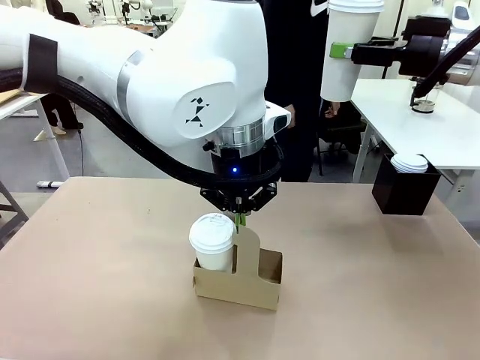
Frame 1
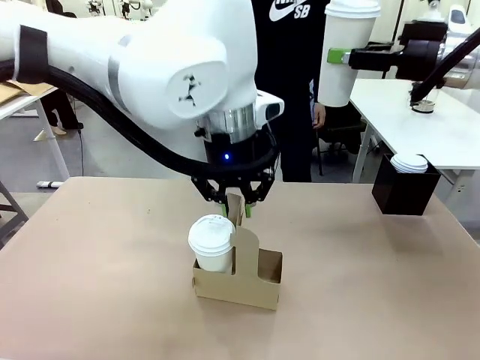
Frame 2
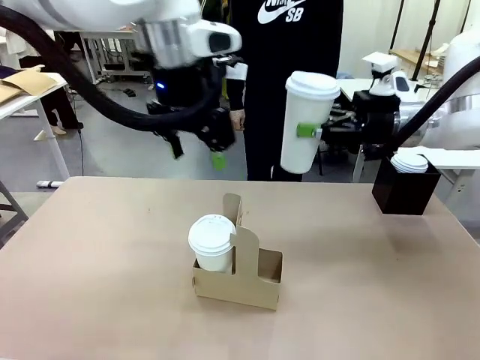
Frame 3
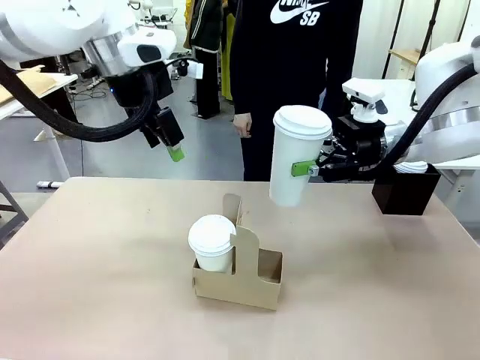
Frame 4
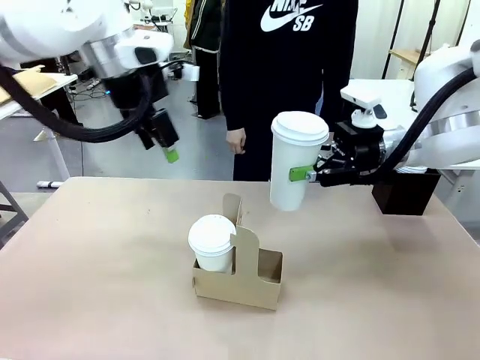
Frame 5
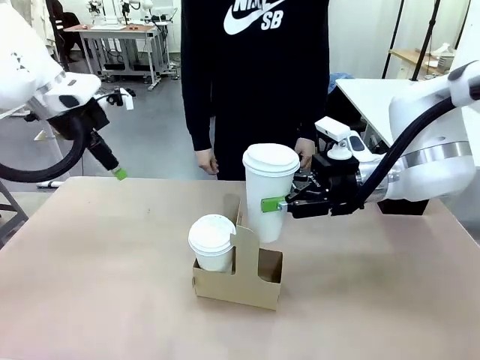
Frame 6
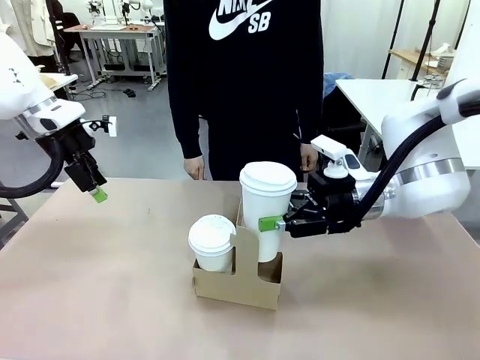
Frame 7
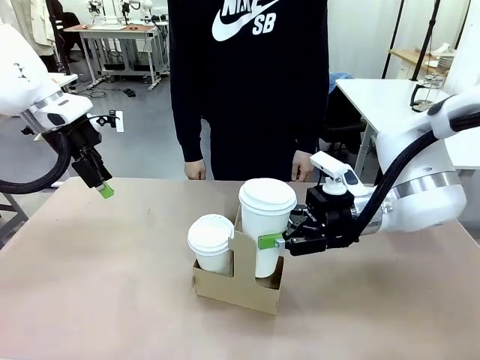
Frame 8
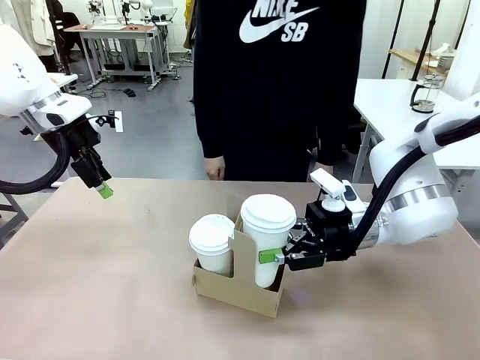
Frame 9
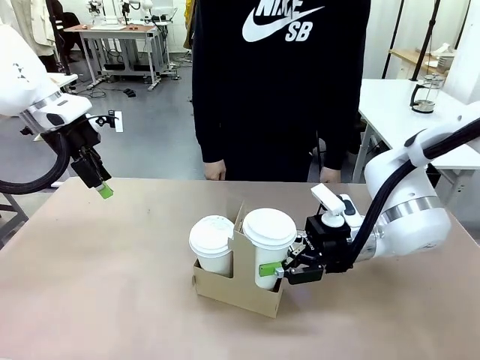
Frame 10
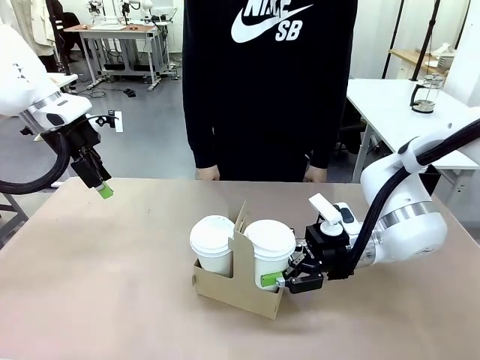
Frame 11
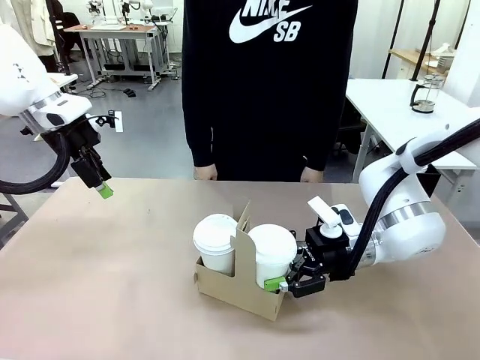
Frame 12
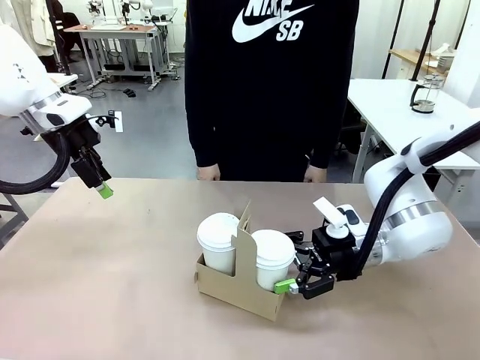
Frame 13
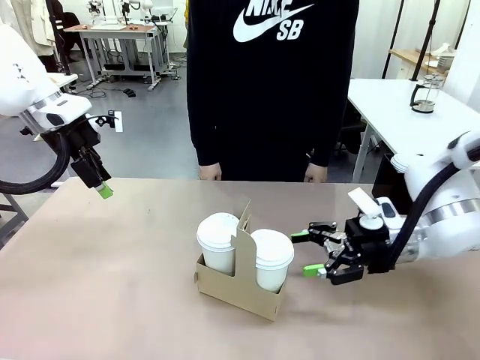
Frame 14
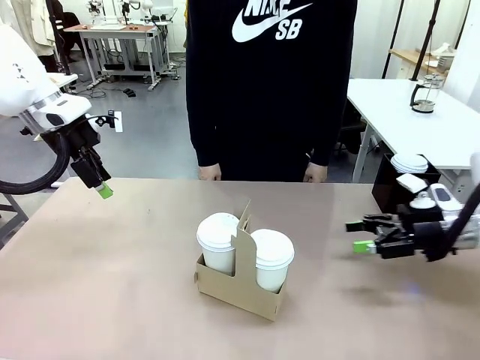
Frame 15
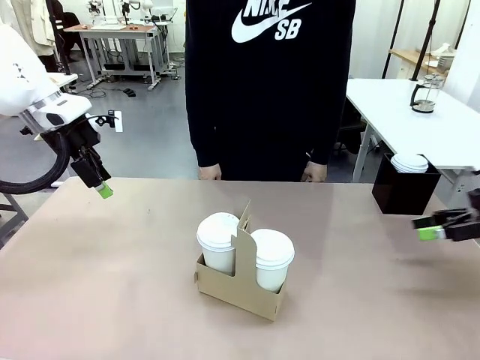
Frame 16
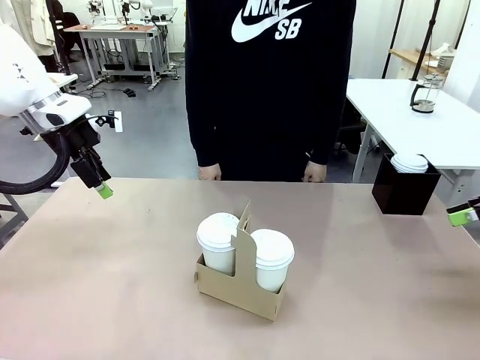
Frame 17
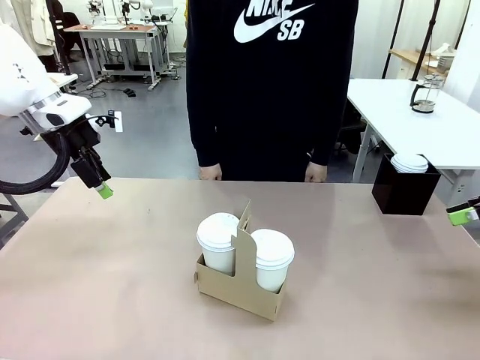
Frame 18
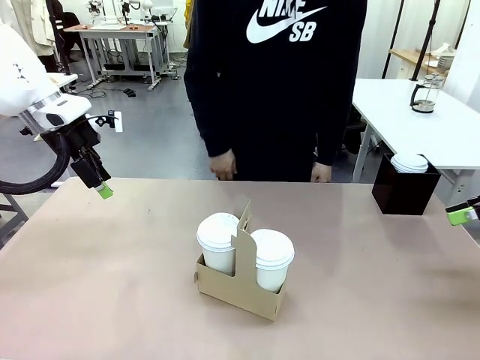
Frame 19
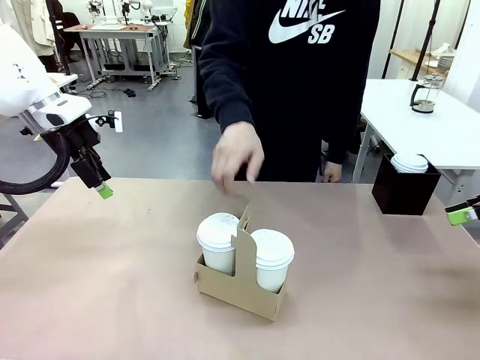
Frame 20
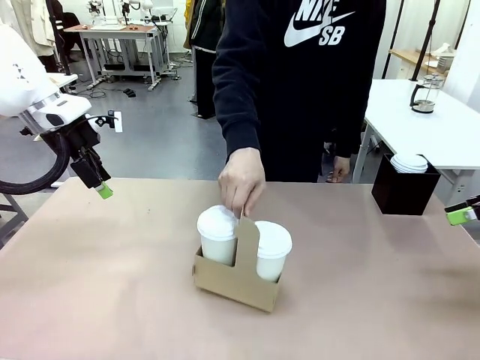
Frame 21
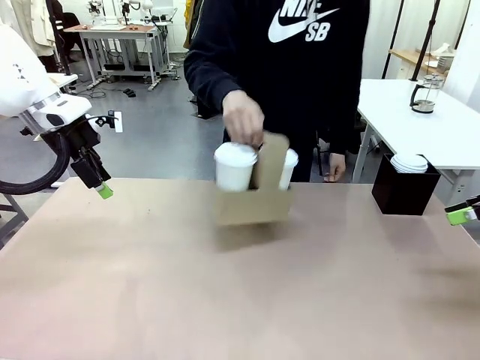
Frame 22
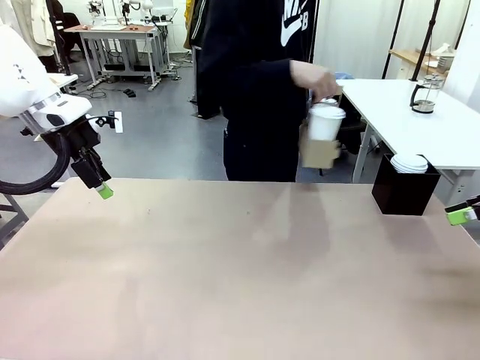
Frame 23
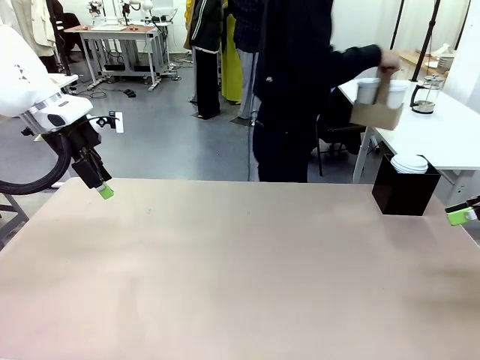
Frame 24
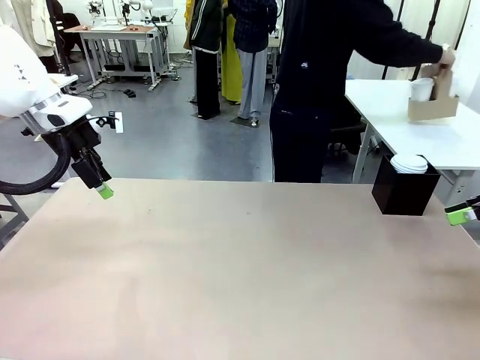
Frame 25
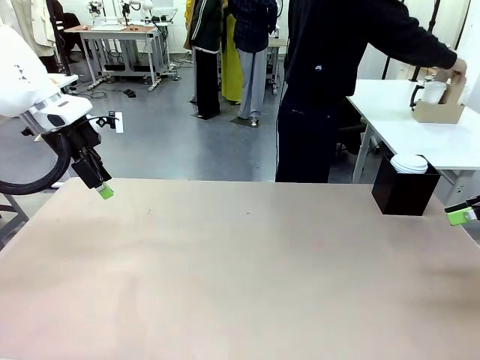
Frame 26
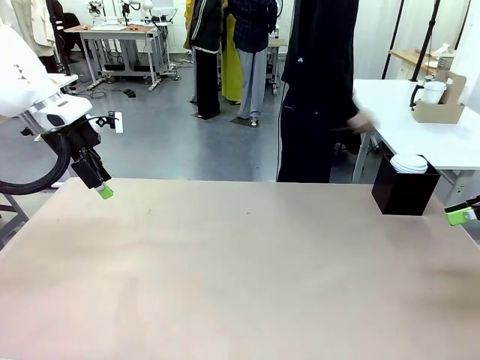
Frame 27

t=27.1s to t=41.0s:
Task: Pour a drink into a cup and package it in a carrier.
Robot: Insert the held 600 ml Paper Cup into the Cup Carrier.
Person: Place the Cup Carrier to the middle of Human table.

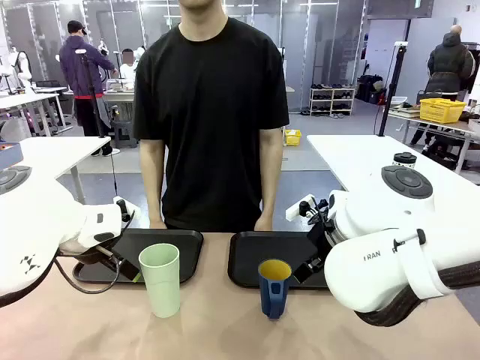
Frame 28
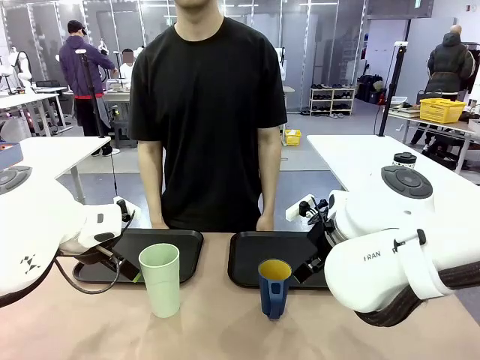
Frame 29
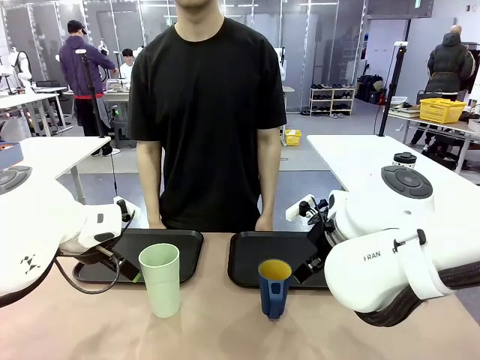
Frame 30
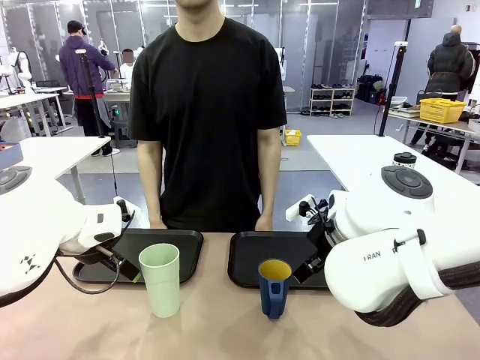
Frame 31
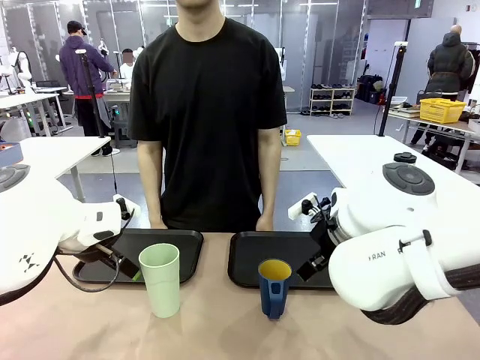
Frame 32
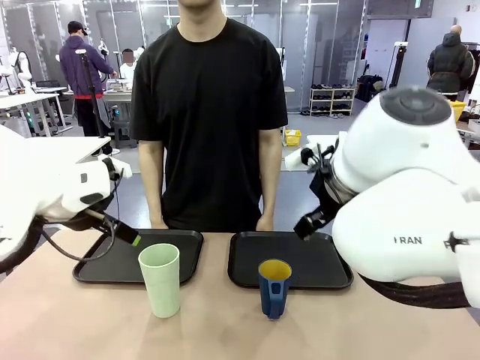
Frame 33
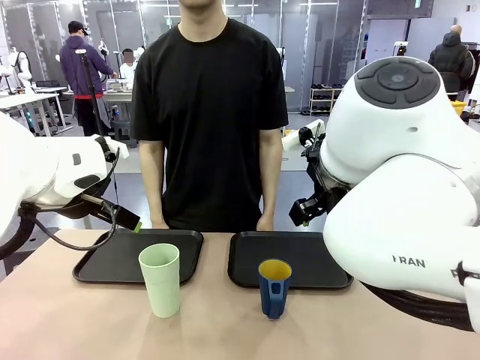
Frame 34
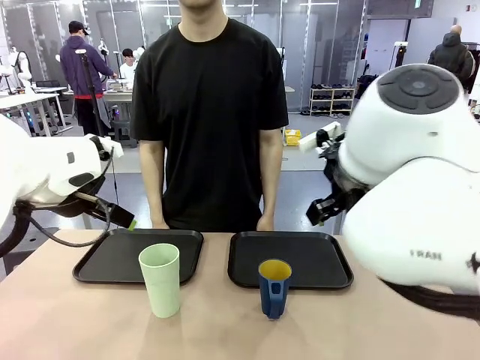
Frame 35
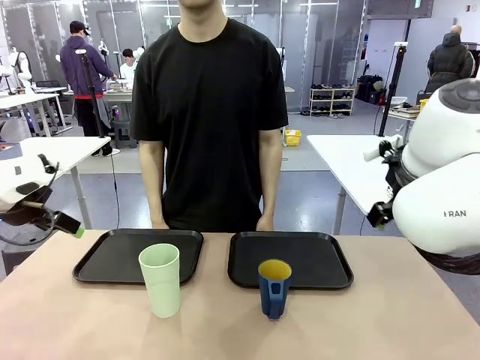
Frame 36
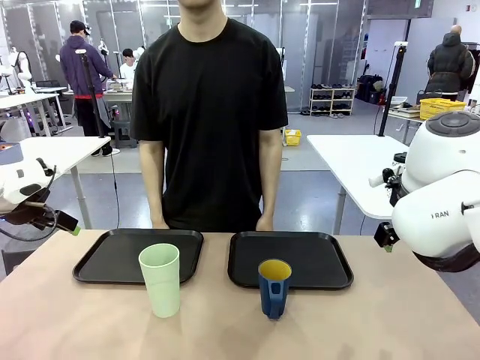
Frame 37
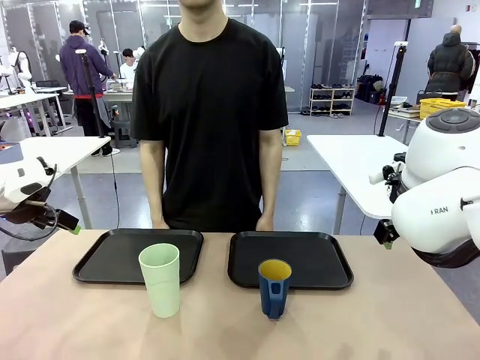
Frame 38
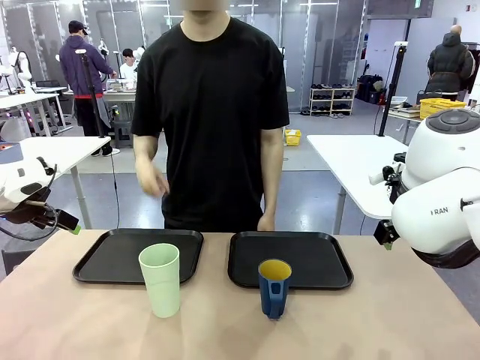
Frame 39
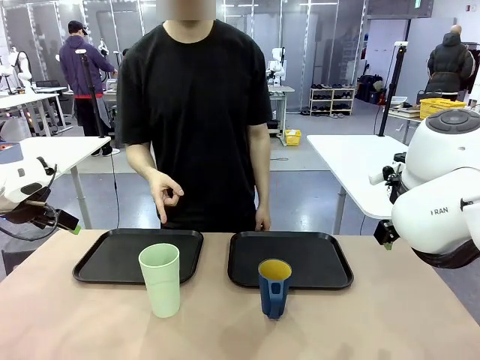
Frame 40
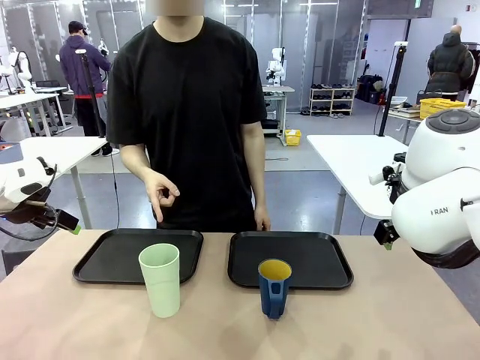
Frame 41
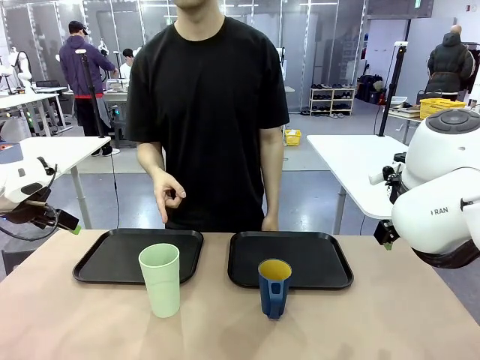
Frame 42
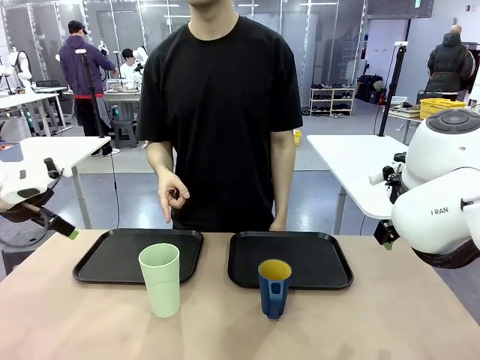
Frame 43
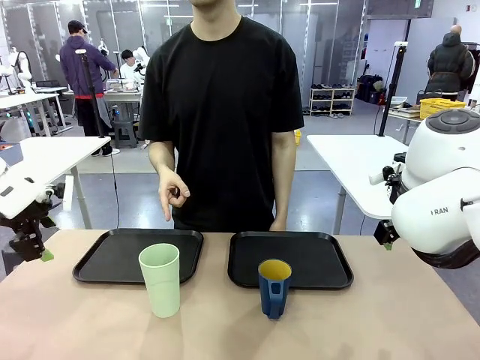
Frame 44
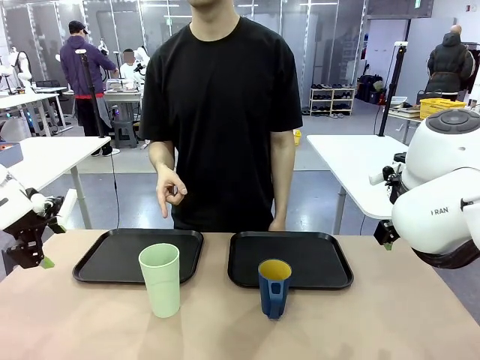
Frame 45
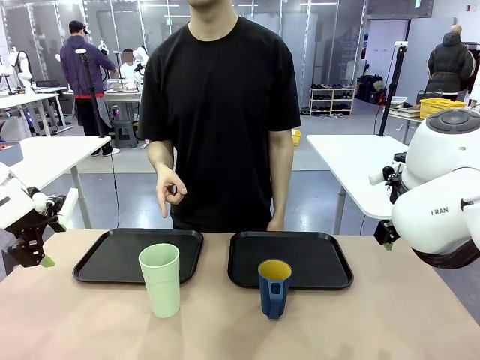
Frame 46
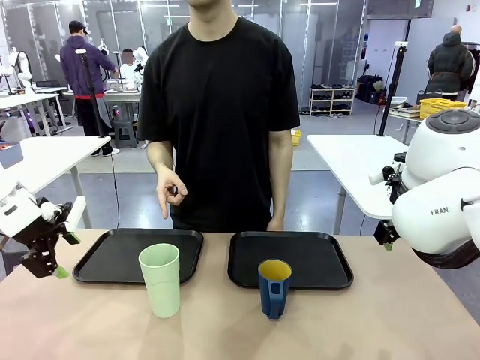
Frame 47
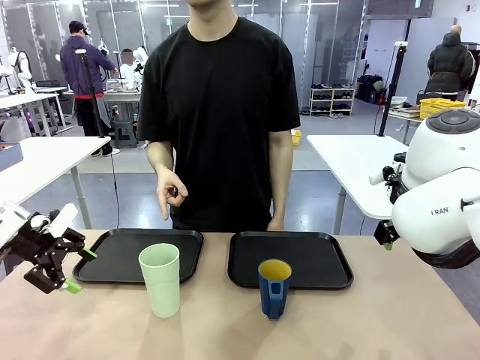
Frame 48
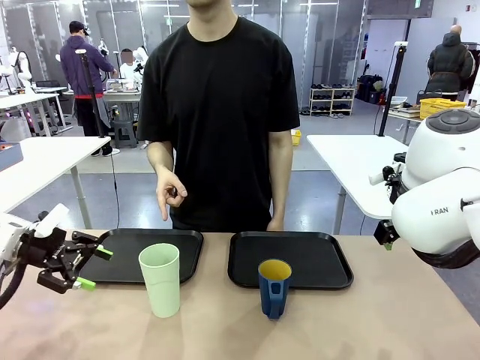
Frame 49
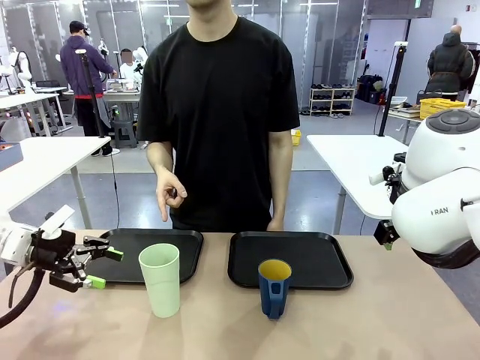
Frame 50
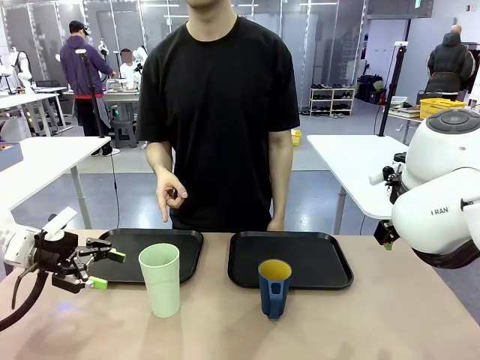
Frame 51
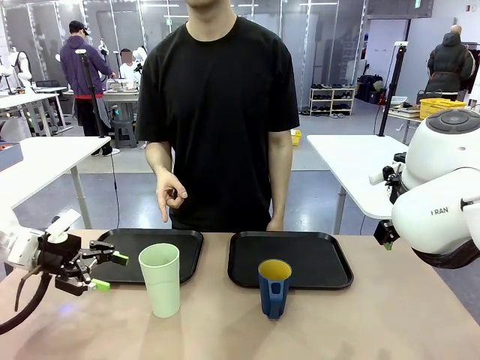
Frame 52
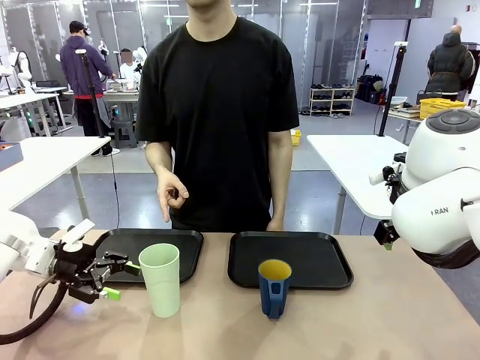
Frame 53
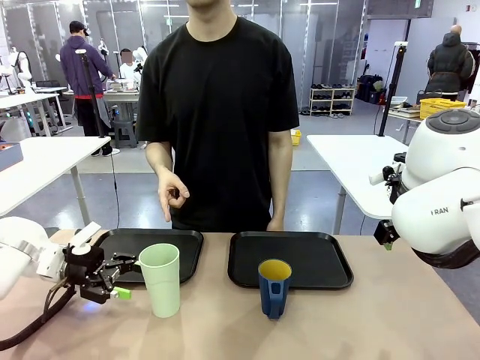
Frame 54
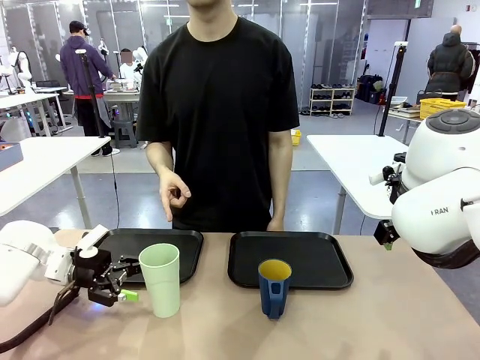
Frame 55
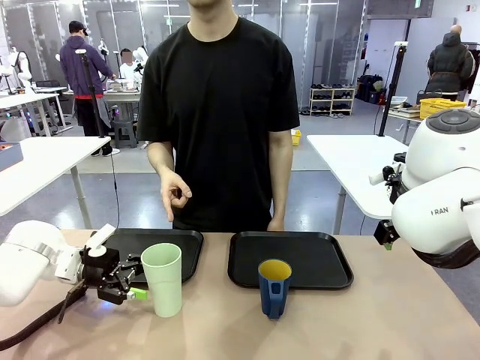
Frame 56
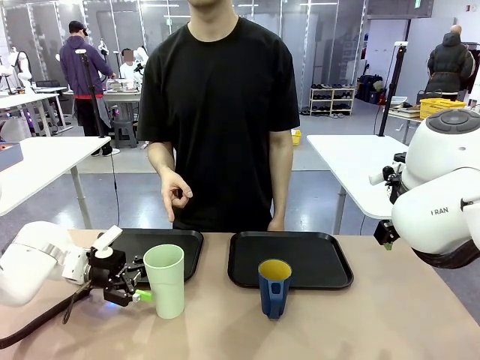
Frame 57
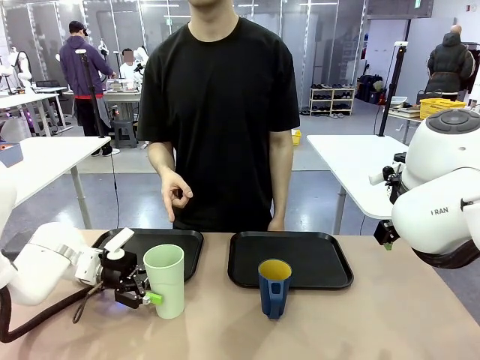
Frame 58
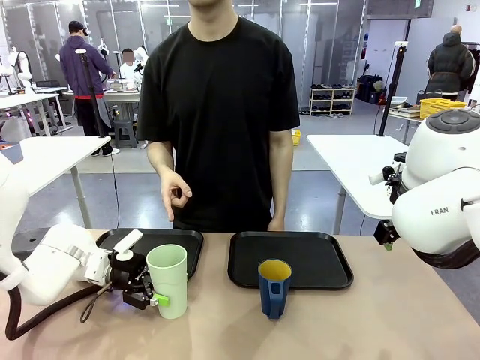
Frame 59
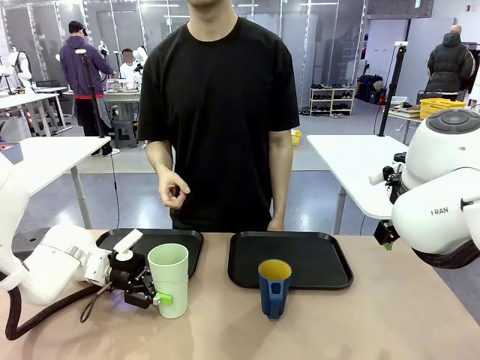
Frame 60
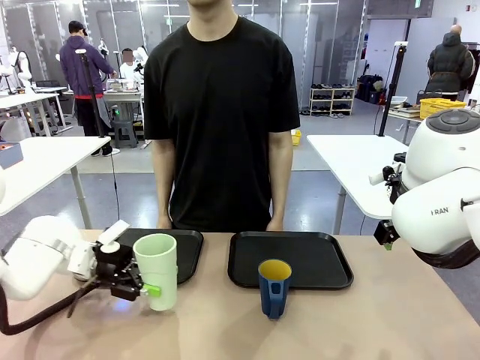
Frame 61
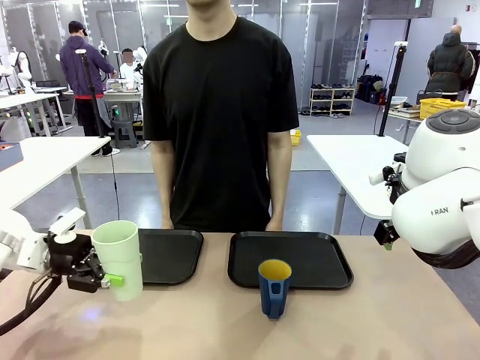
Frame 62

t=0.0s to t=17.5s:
Task: Sort and store the cups by type.
Robot: Pick up the Reusable plastic cup.
Person: Points to the reusable cup. Point to one of the two trays.
